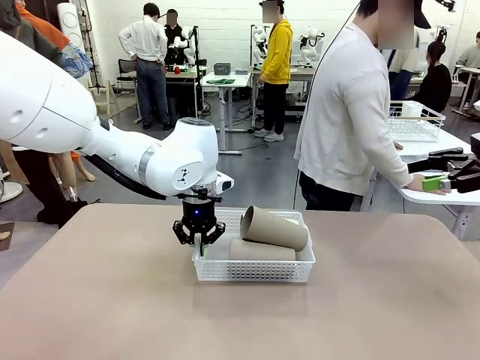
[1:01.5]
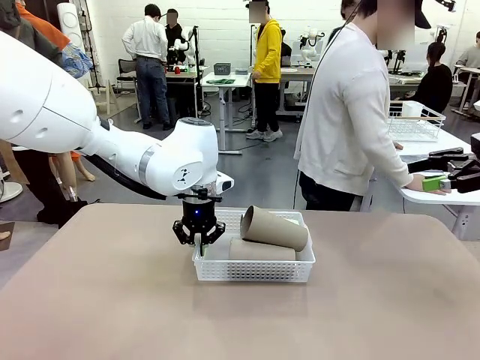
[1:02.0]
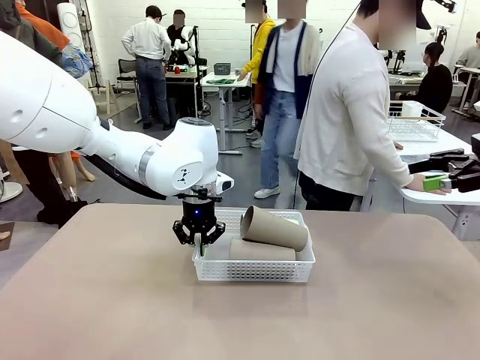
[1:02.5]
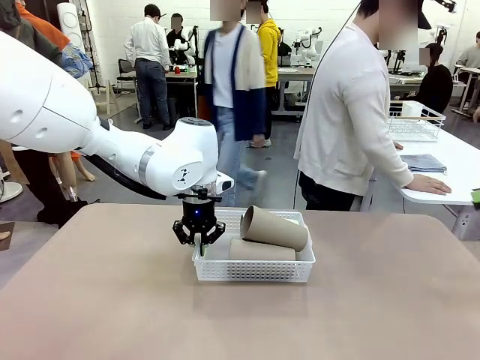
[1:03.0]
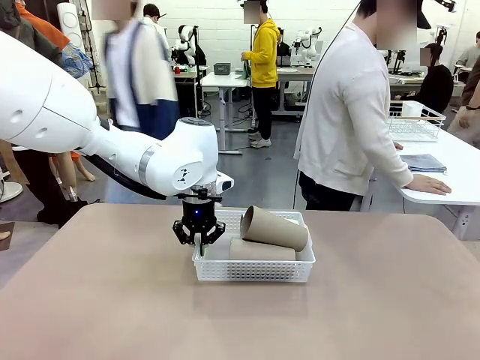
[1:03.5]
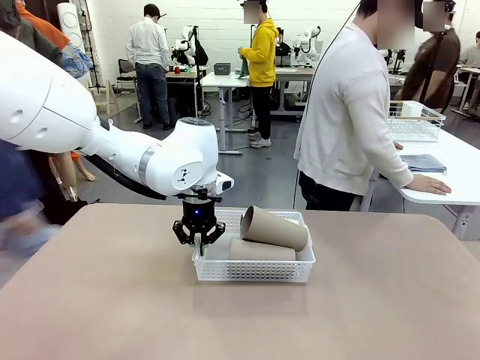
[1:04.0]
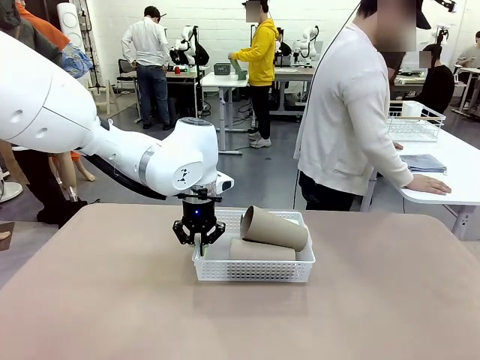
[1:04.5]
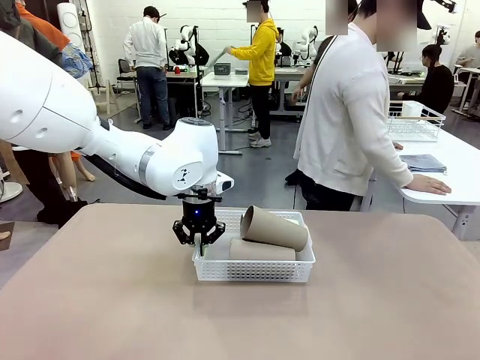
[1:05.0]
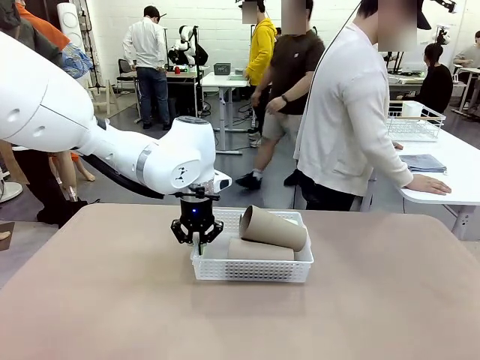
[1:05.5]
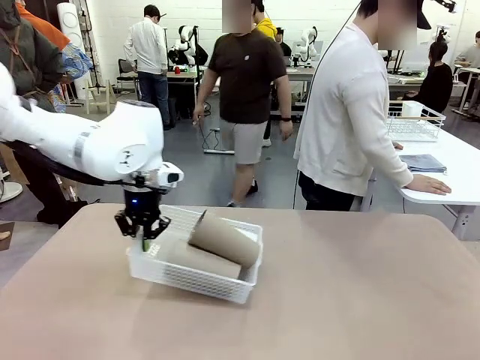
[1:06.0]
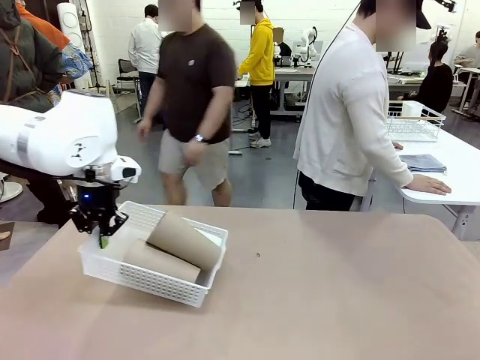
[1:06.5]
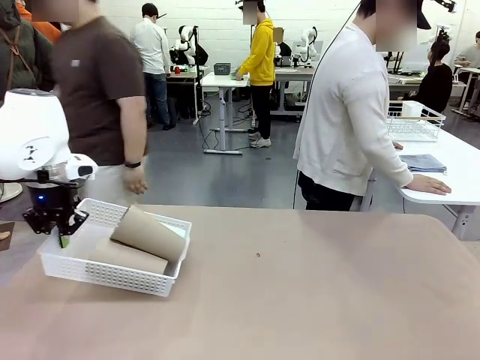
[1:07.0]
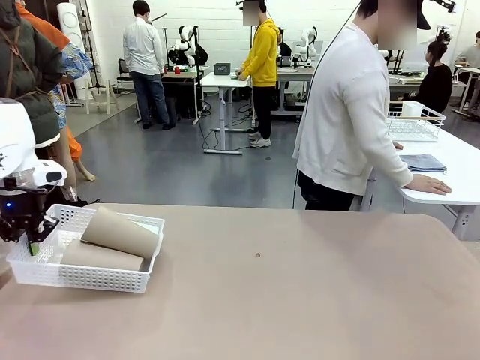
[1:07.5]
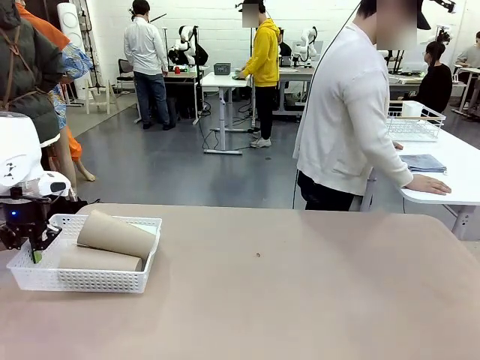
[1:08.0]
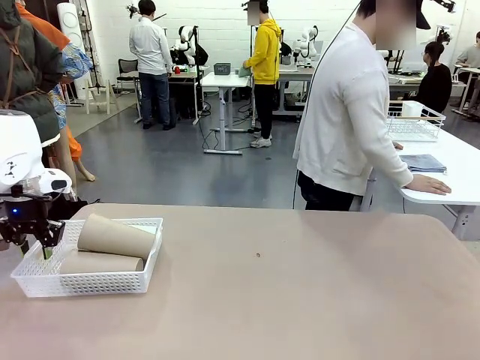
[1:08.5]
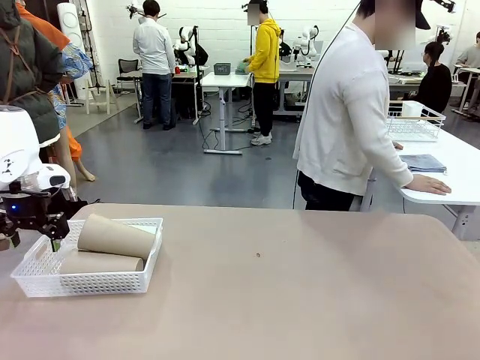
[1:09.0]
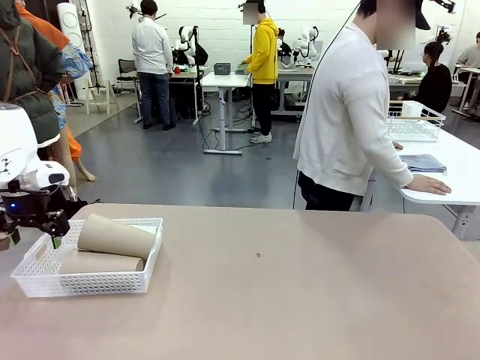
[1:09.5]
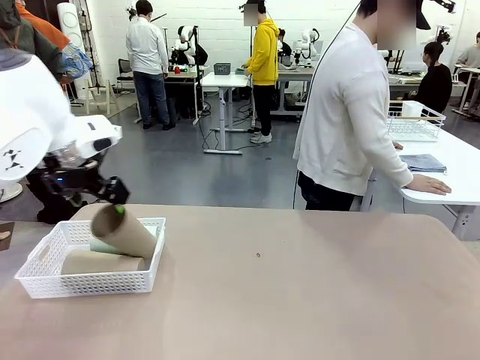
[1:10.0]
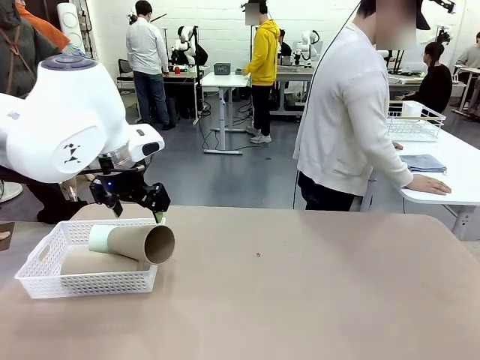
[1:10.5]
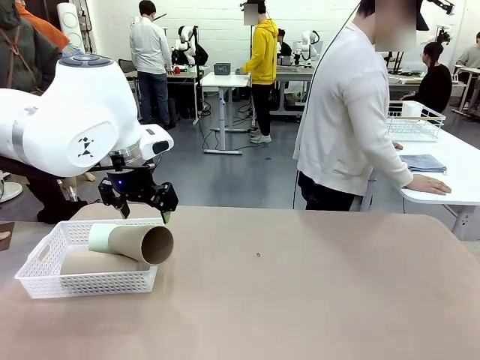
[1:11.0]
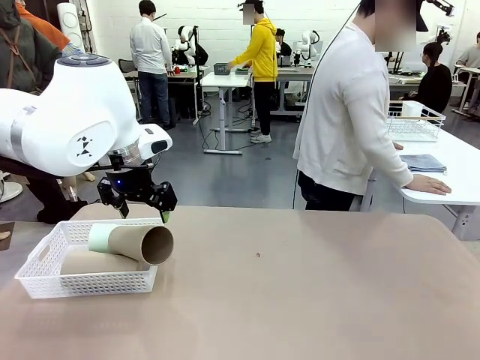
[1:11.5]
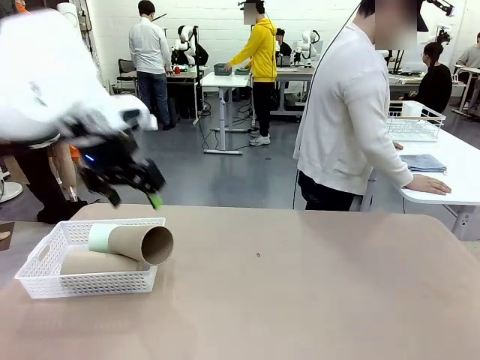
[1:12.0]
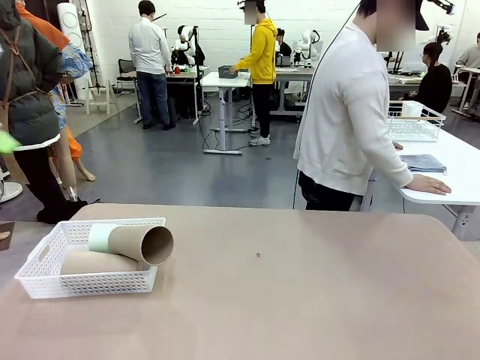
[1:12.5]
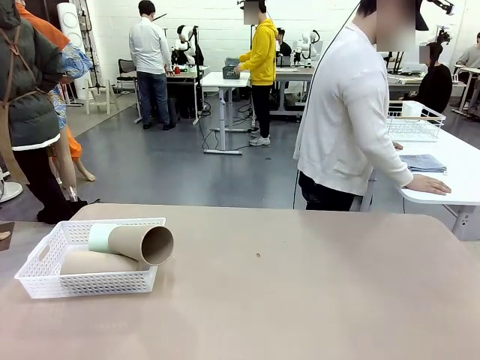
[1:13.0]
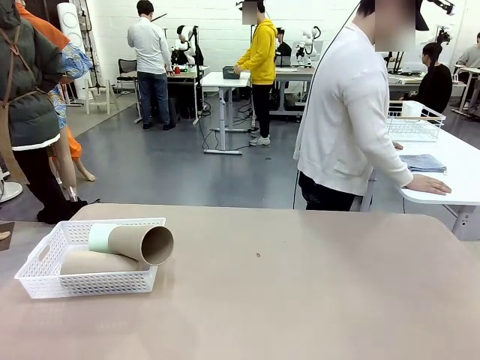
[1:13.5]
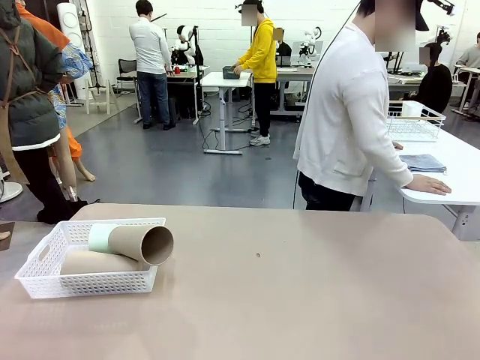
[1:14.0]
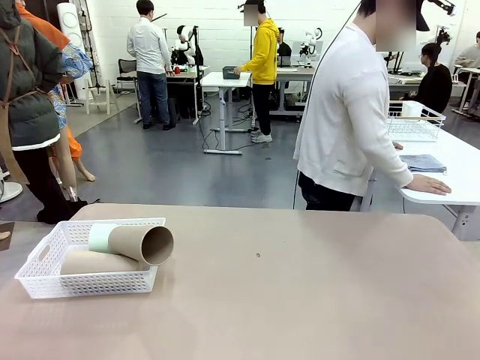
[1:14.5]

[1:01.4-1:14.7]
Task: Clean and organize the cups into the basket.
Robot: Move the Organizing basket back to the left side of the table.
Person: Folds the towel in half twice and places it in the right of the table.

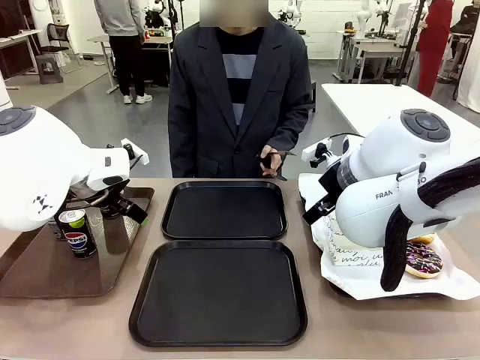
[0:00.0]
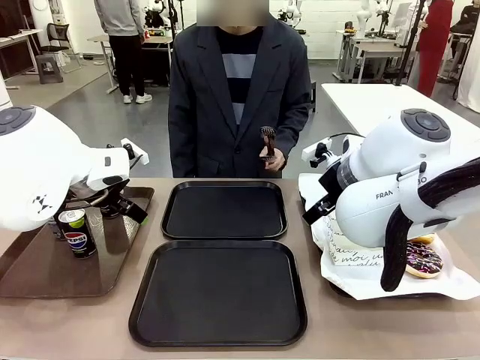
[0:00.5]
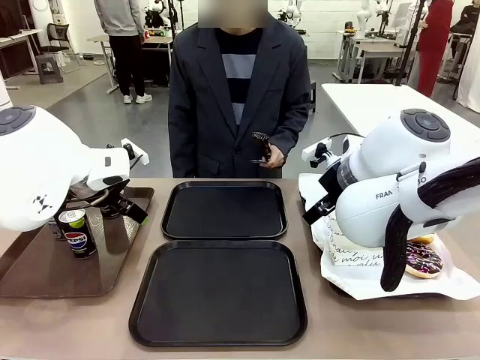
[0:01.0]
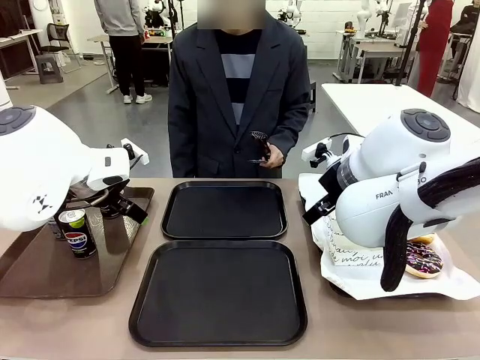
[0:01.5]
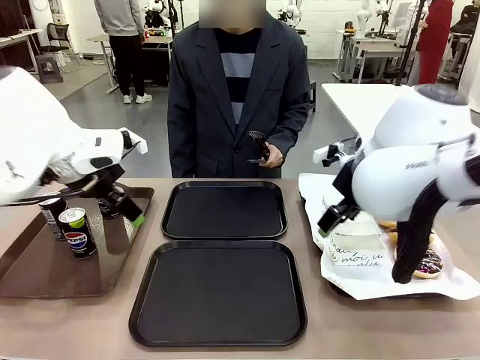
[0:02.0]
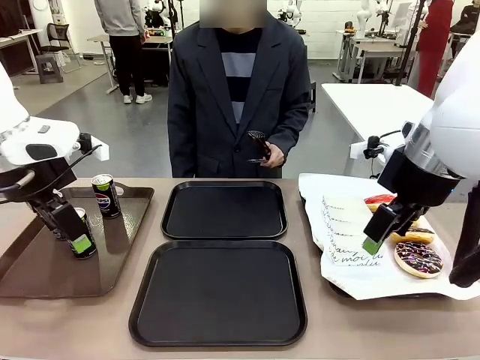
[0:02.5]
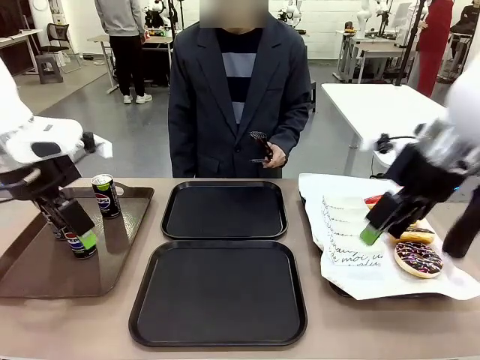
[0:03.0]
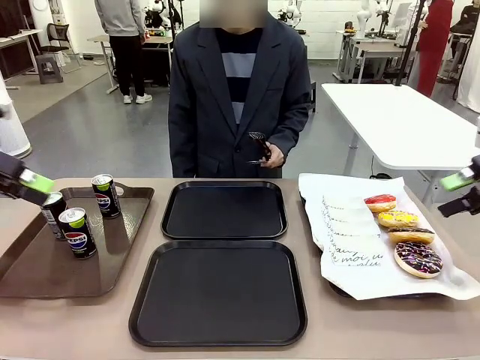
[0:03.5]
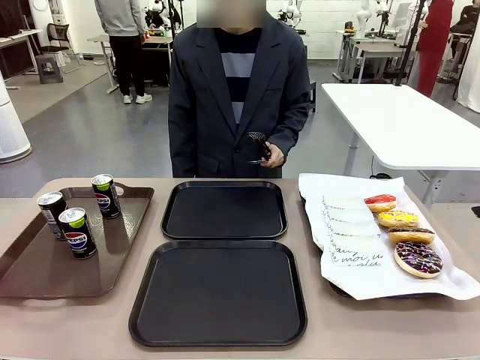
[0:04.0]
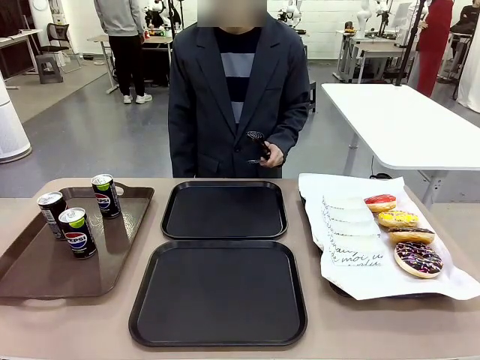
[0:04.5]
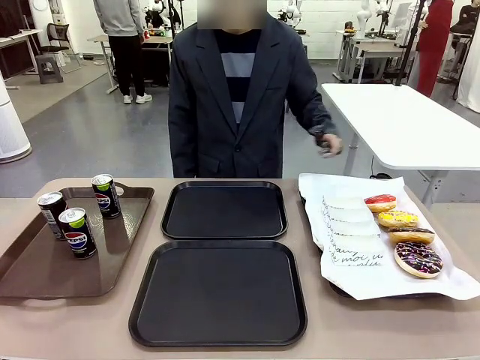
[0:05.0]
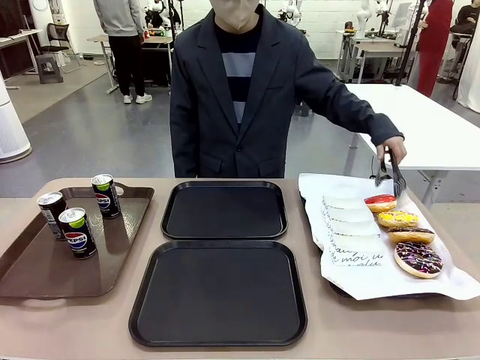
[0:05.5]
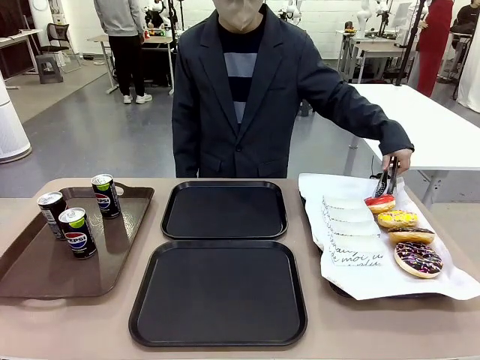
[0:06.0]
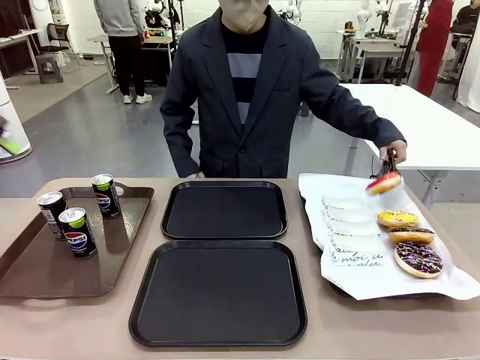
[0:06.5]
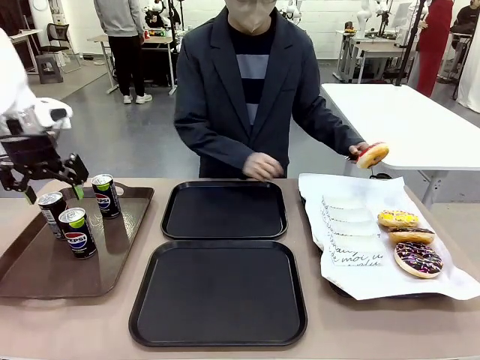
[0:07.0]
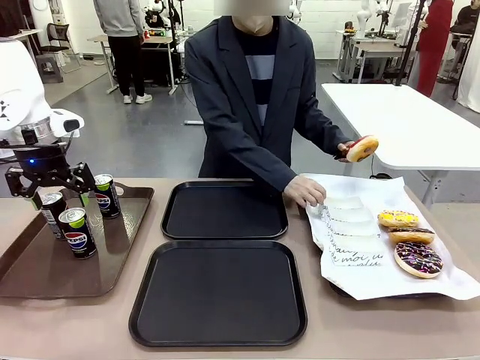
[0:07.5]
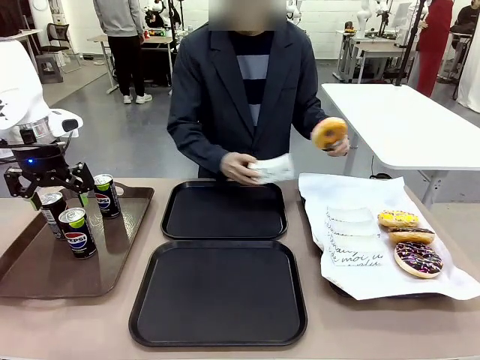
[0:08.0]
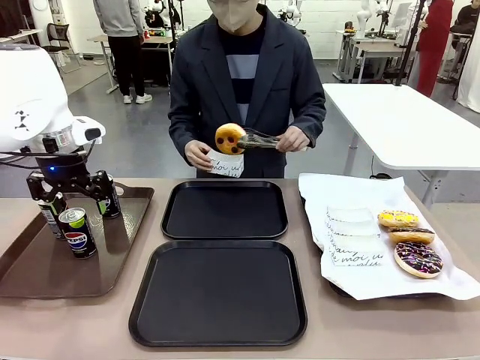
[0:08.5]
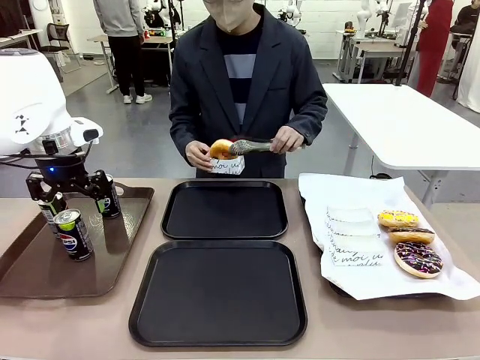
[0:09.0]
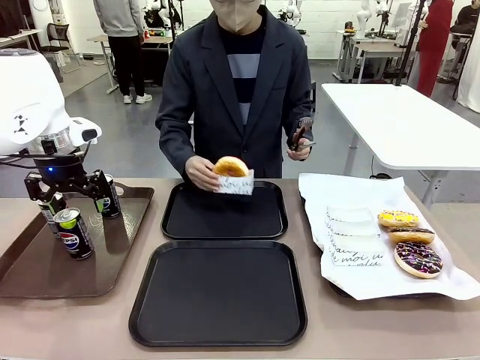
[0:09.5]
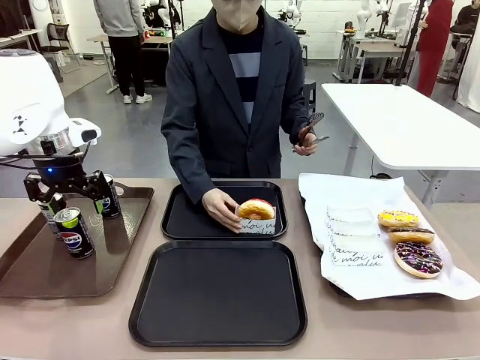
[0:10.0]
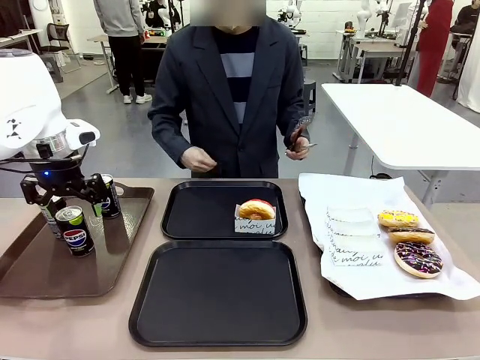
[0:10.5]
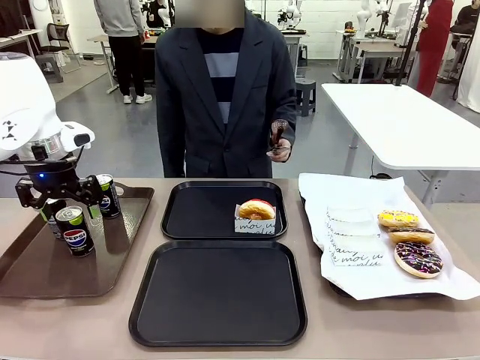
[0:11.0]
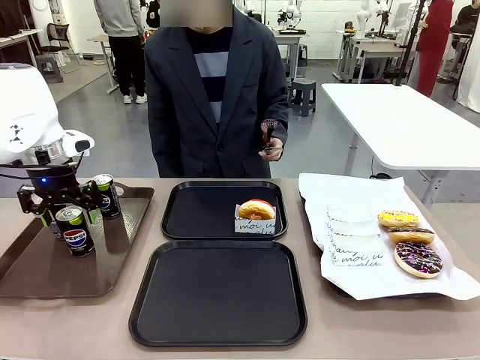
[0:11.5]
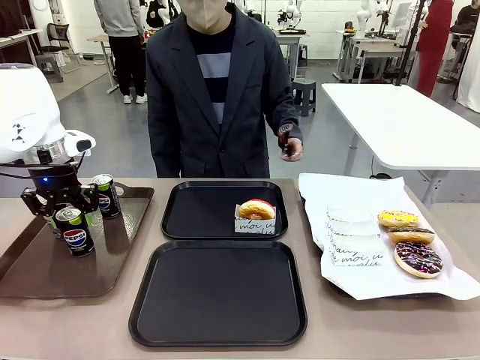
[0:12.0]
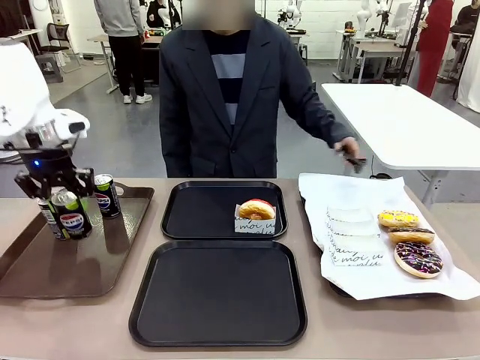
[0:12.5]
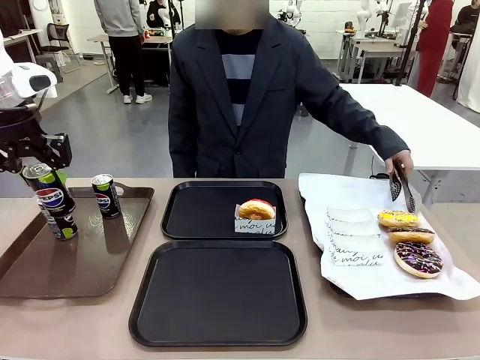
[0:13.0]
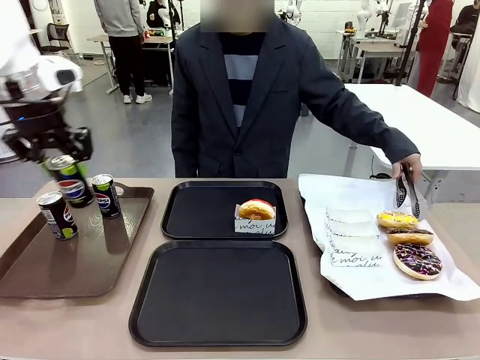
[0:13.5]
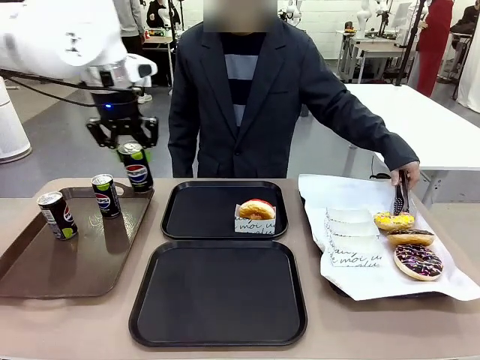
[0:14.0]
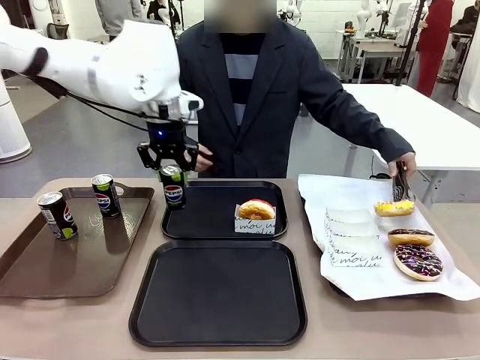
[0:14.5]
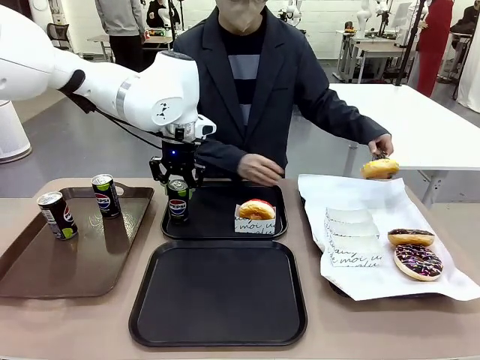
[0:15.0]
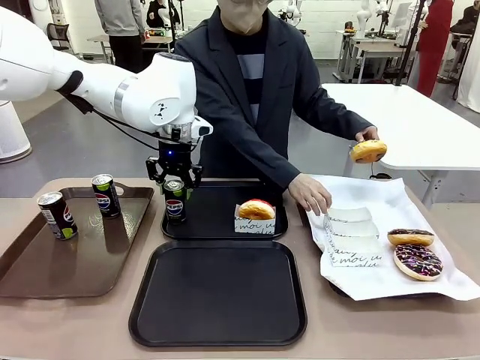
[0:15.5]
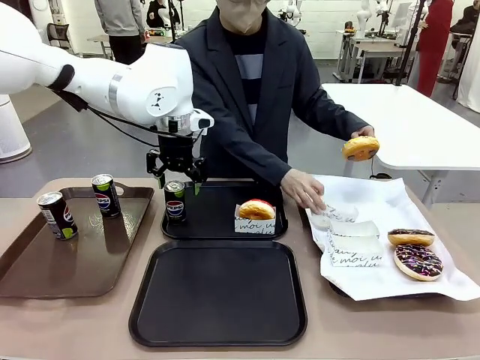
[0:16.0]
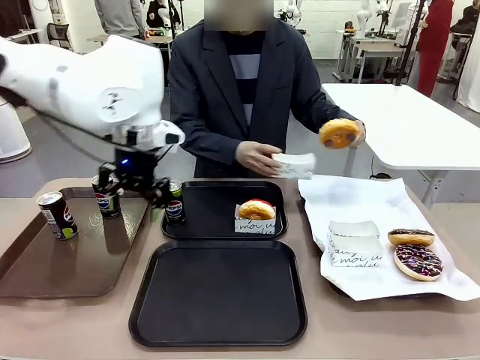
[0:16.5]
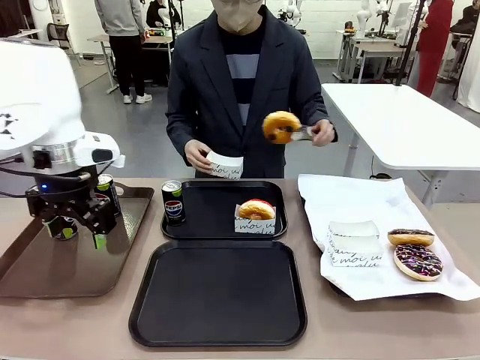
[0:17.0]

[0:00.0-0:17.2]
Task: Set up donuts and drinks on trays.
Robot: Pick up one Pepsi coke and place it on the Flat Tray.
